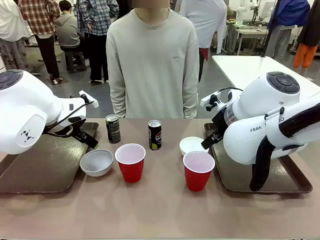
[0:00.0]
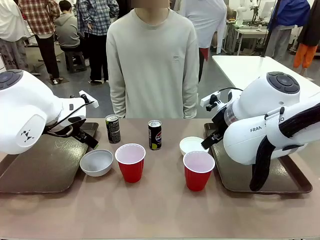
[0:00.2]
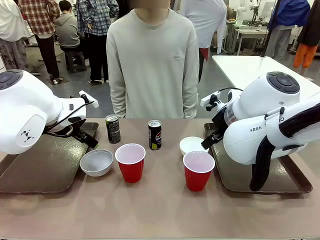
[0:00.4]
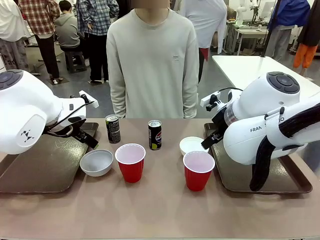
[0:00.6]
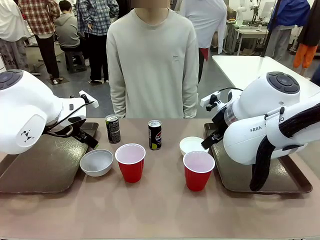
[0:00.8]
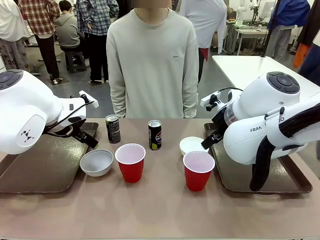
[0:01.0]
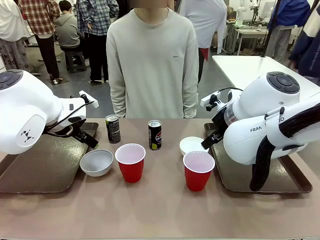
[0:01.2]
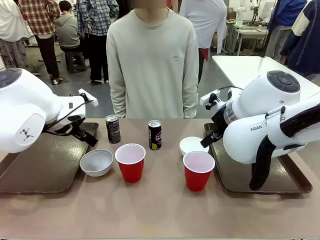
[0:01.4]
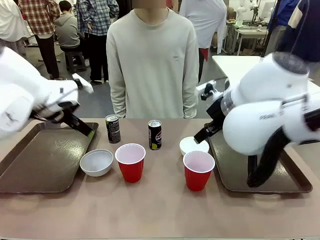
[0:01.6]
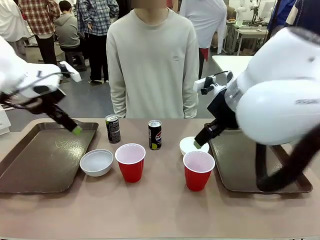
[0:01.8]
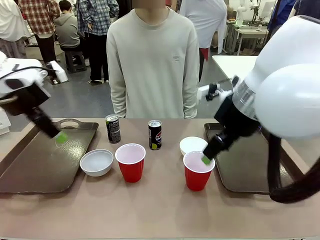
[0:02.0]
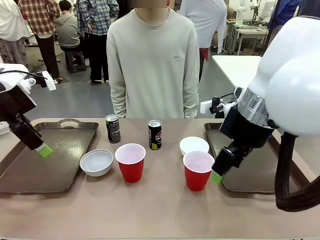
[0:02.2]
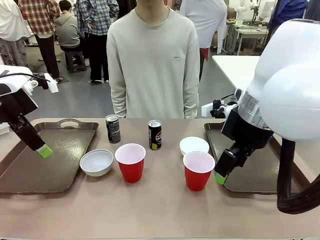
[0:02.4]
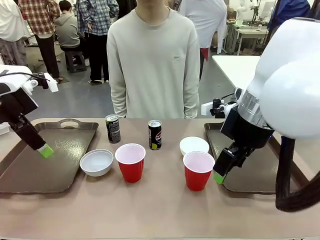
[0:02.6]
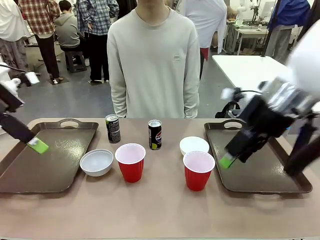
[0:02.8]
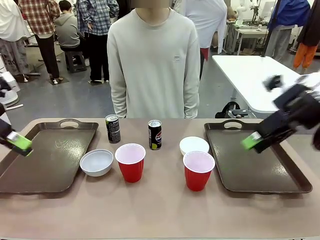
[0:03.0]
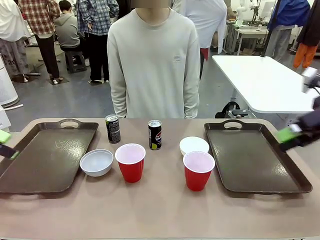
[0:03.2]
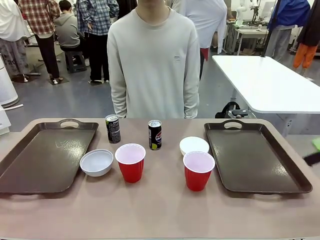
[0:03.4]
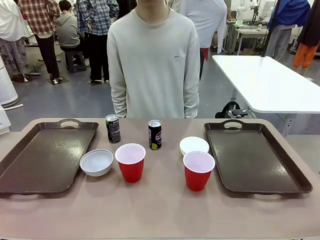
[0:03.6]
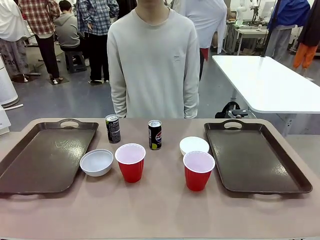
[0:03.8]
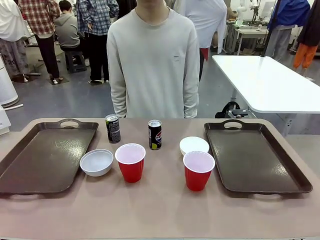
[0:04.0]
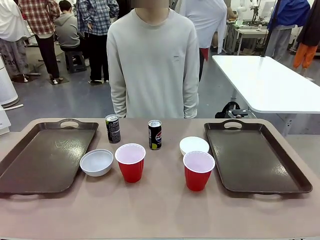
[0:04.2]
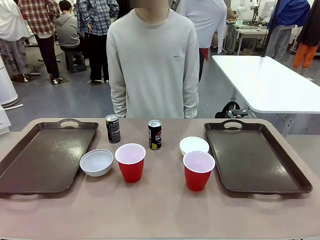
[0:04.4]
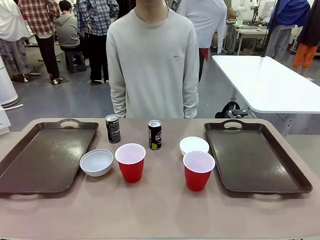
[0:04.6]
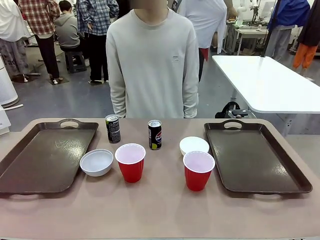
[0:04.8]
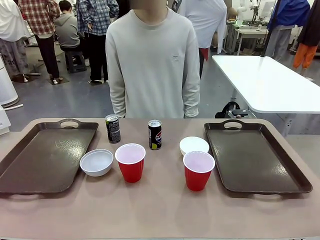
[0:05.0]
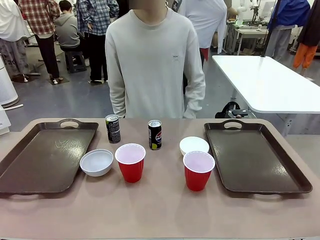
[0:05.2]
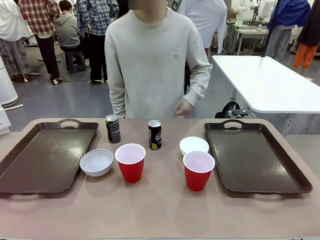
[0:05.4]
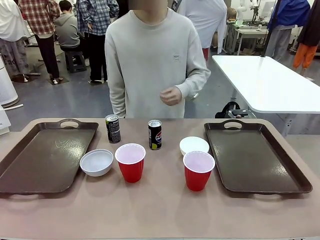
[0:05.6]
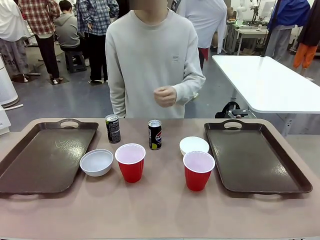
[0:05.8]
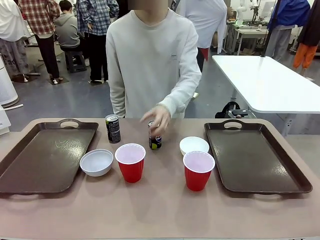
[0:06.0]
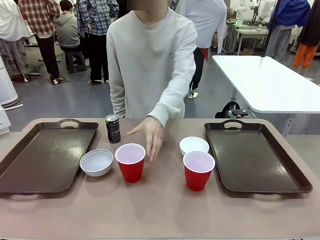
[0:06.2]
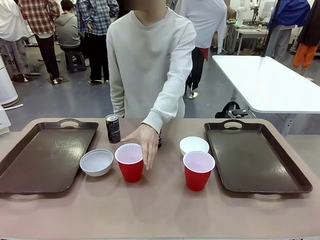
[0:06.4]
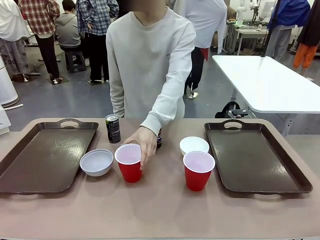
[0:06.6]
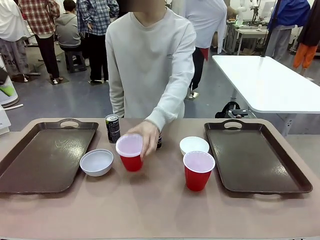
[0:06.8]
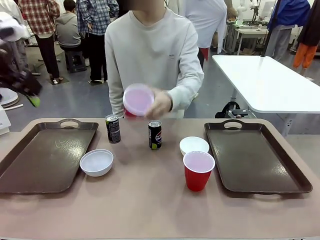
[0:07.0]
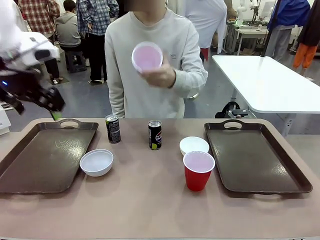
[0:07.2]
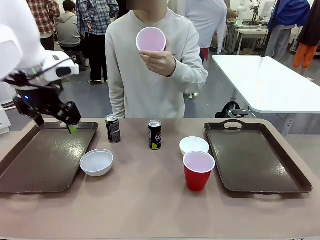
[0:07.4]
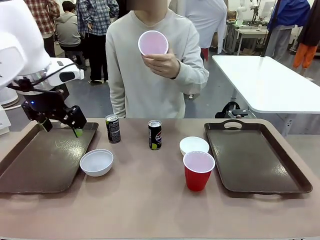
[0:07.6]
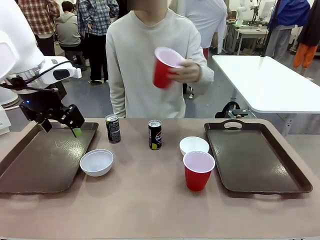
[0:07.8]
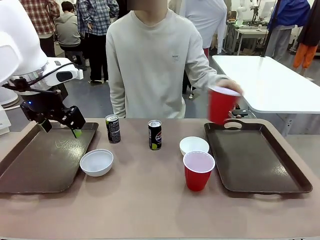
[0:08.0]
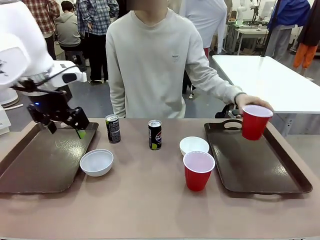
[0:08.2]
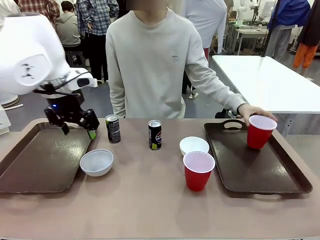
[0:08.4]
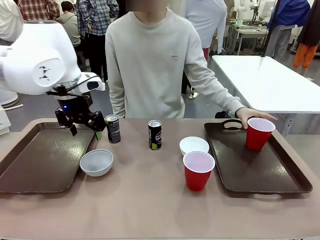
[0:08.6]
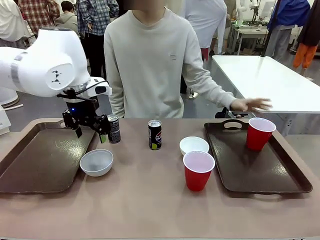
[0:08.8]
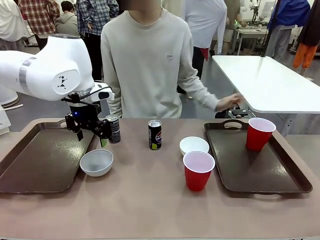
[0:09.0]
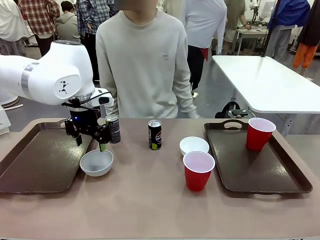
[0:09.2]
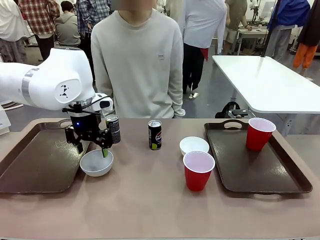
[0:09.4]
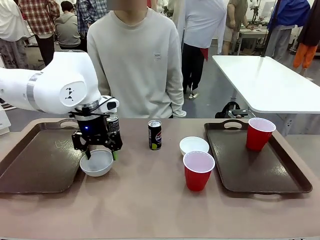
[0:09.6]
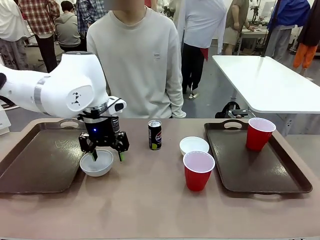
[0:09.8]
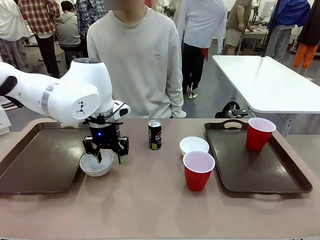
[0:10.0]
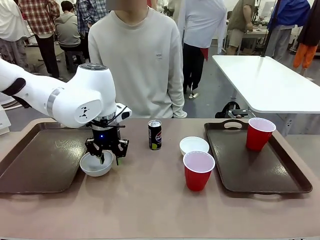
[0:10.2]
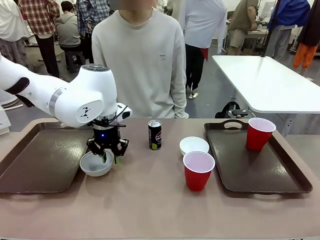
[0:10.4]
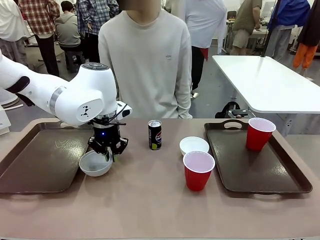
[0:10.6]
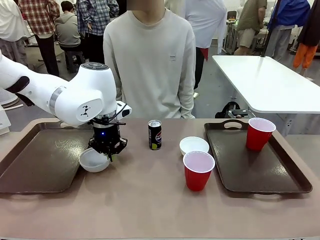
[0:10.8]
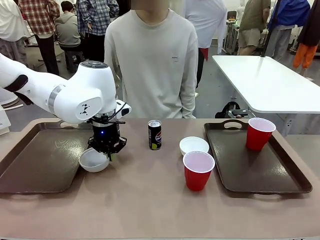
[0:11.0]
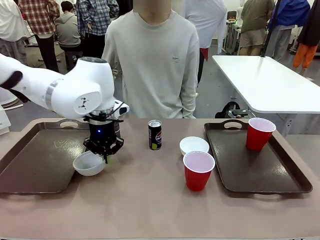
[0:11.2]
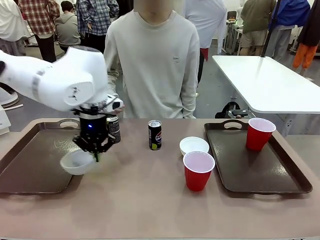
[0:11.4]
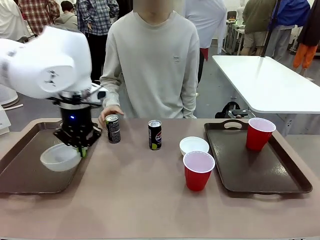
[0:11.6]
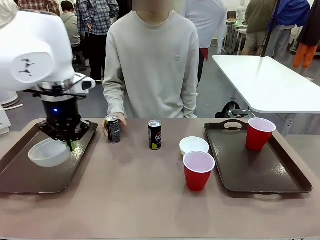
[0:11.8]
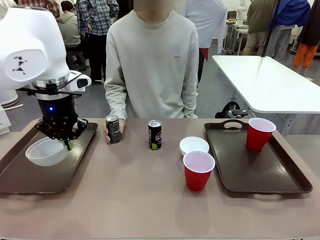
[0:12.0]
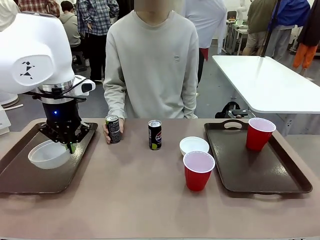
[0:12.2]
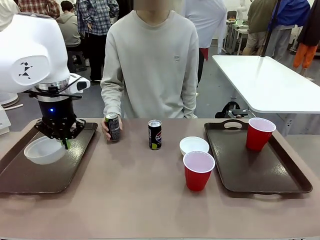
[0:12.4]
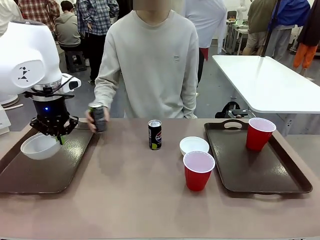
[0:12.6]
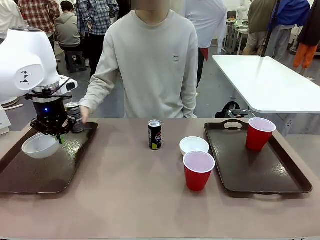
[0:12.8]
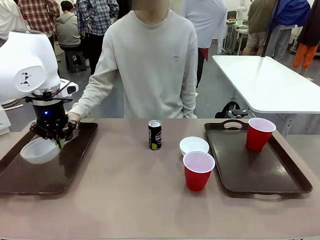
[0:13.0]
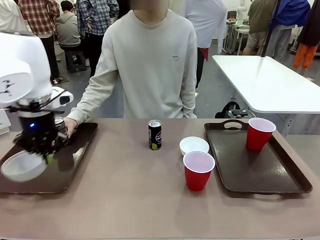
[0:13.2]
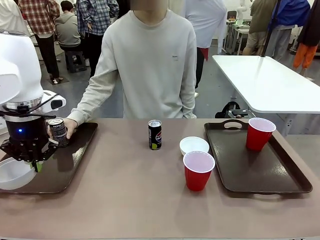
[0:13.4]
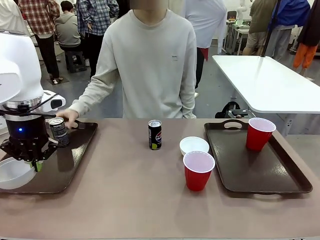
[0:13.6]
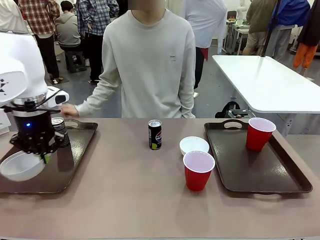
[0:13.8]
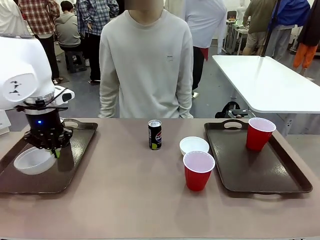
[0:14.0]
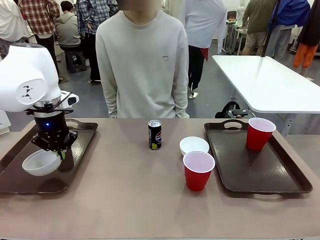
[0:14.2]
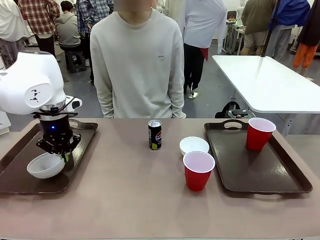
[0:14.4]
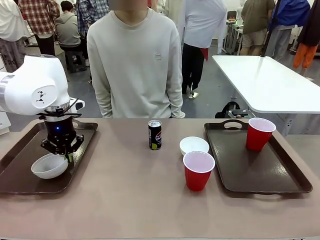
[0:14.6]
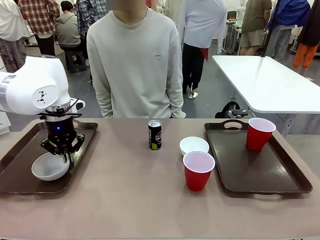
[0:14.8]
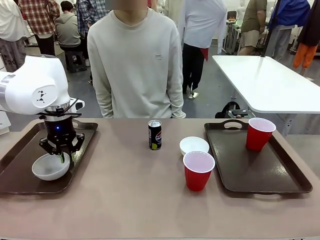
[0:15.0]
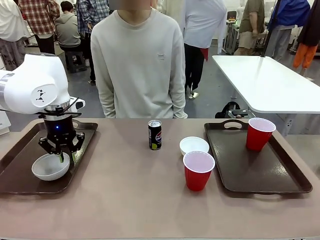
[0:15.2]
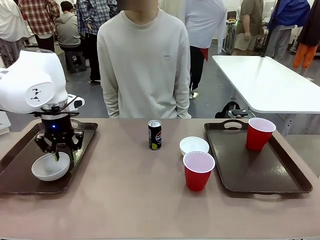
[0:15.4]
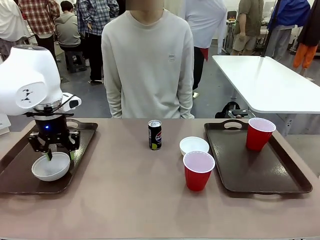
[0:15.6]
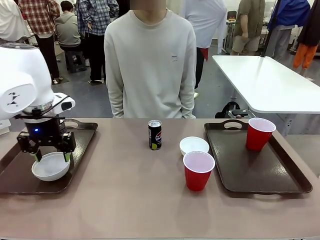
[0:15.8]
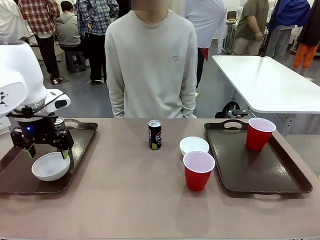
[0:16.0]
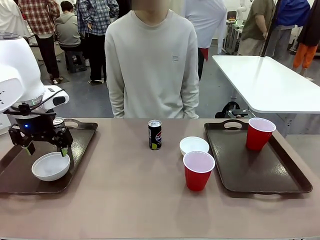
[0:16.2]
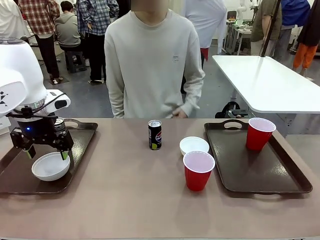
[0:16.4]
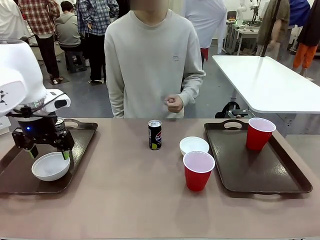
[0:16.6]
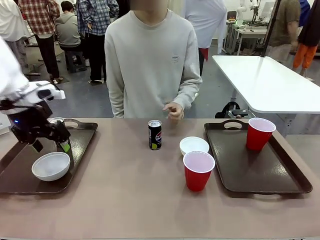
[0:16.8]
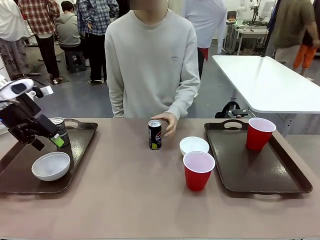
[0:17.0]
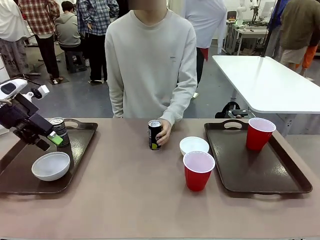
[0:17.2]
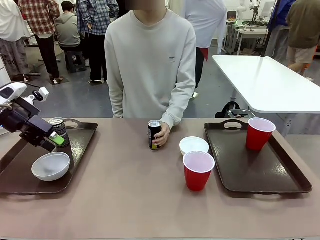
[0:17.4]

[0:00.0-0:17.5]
Task: Prepare tableware on both trays.
Robot: Pick up a Picnic Bowl from the table and place it on a Handle tray.
Person: Pick up a can or cup and place it on the tray.
